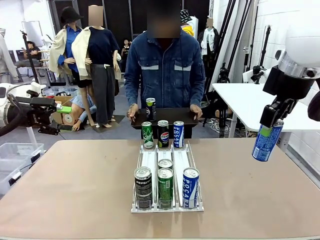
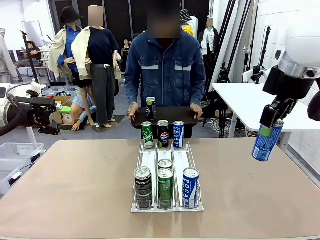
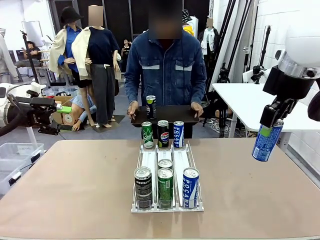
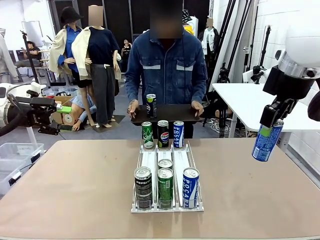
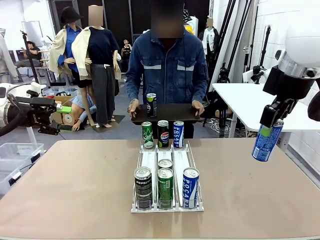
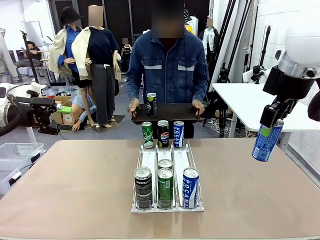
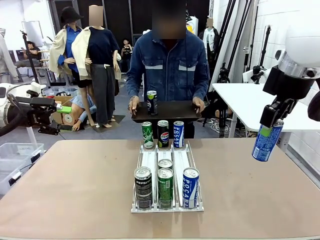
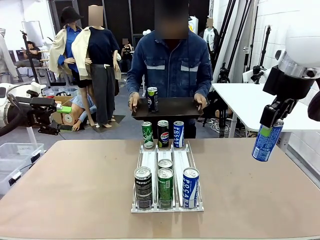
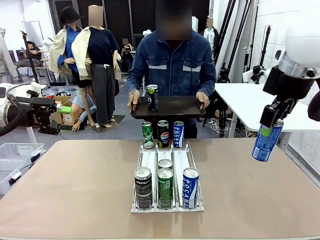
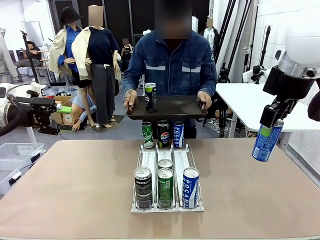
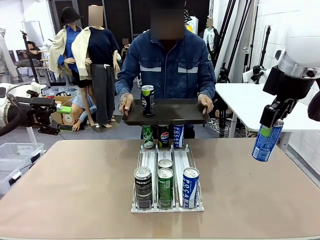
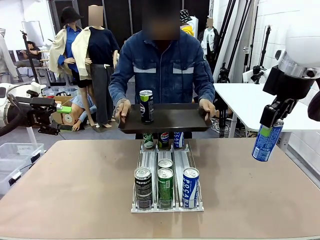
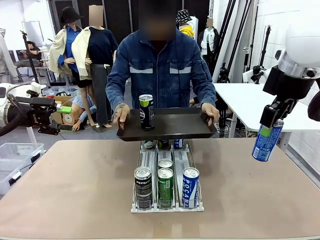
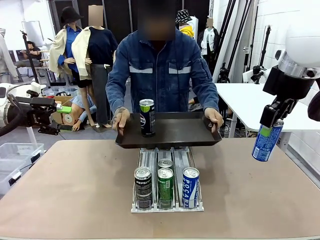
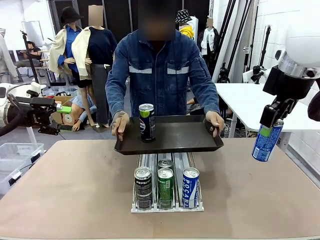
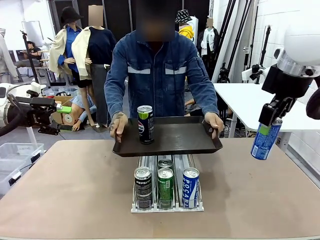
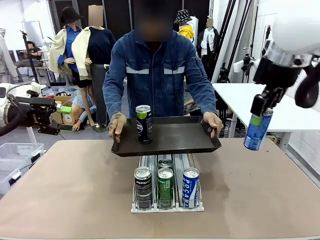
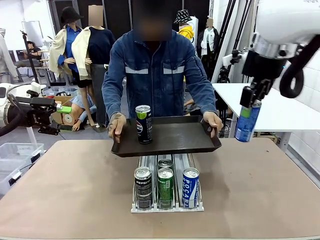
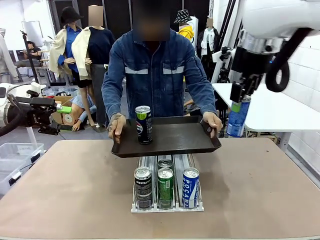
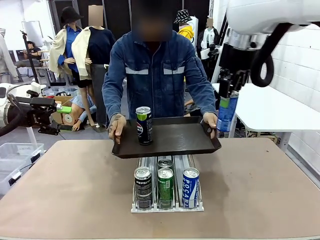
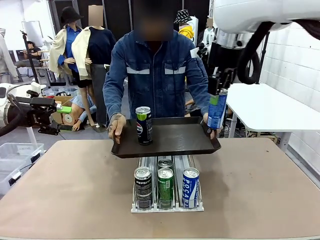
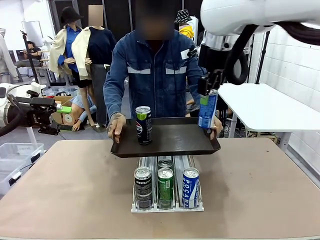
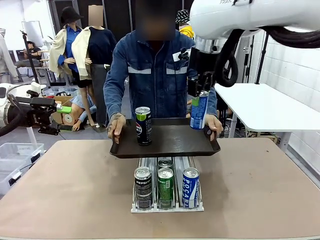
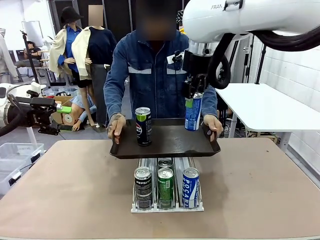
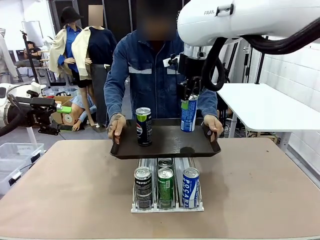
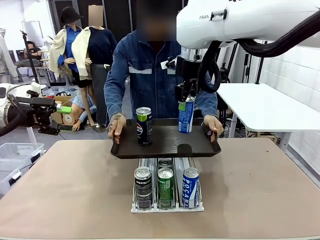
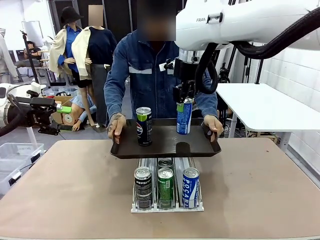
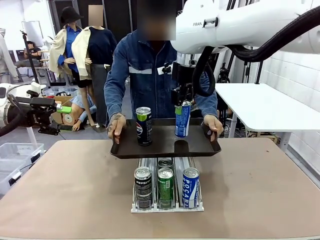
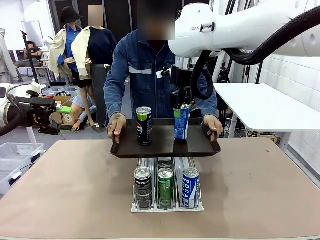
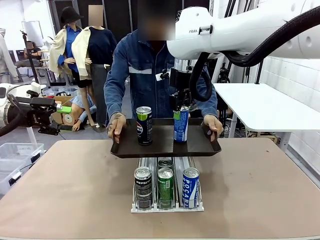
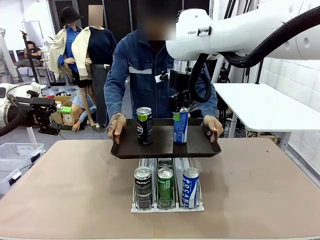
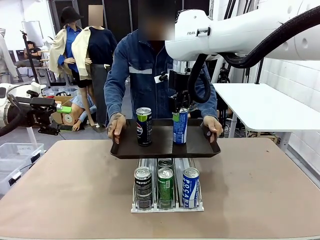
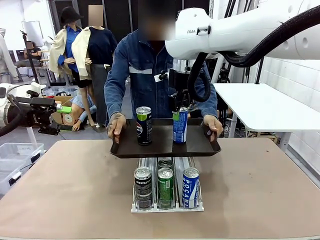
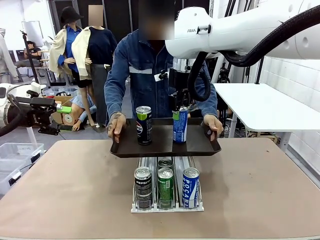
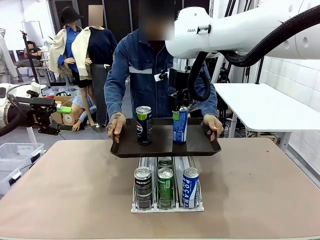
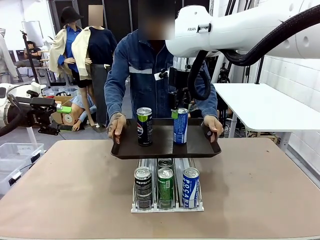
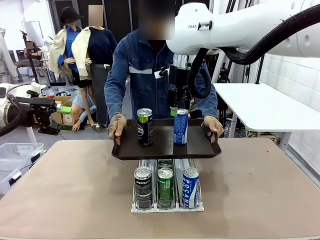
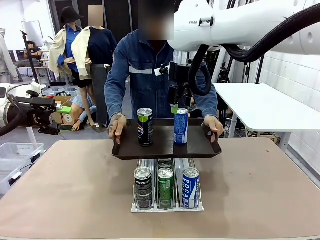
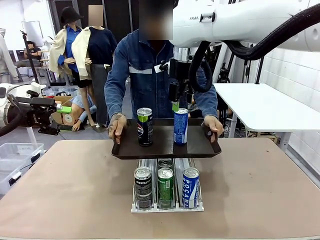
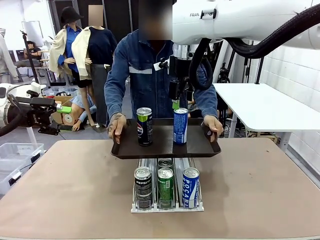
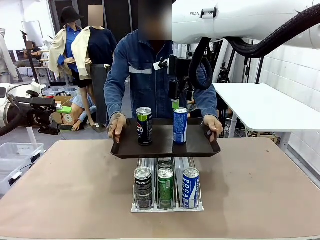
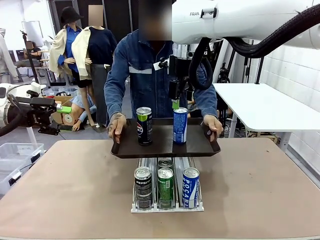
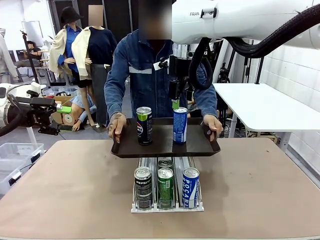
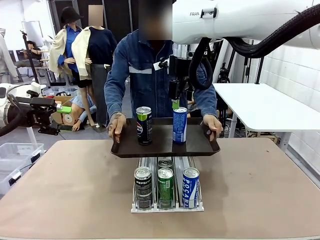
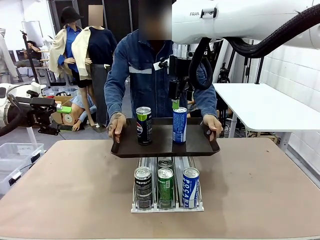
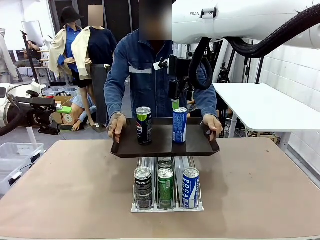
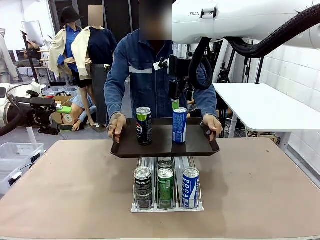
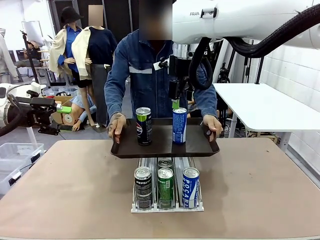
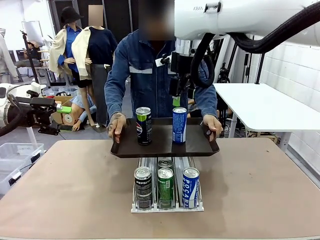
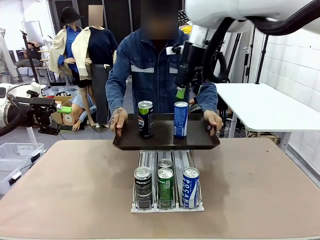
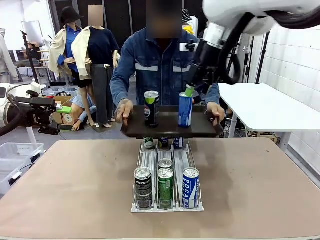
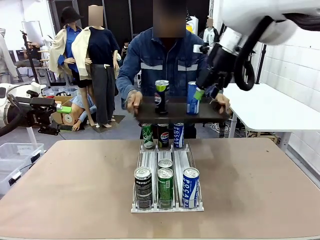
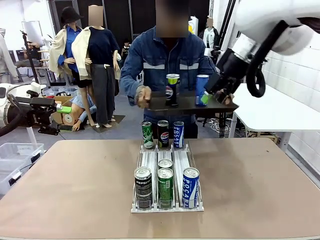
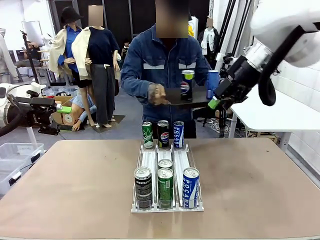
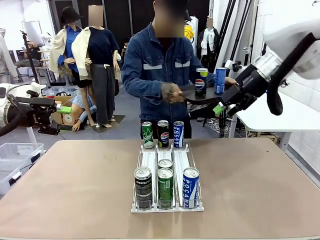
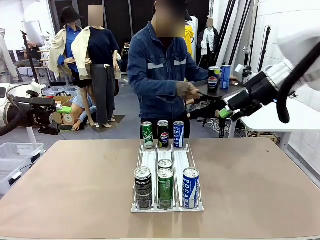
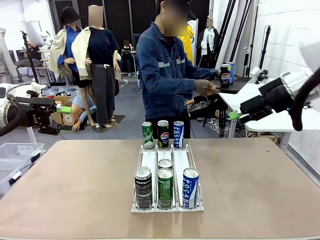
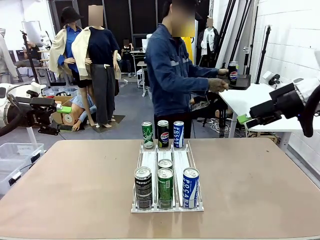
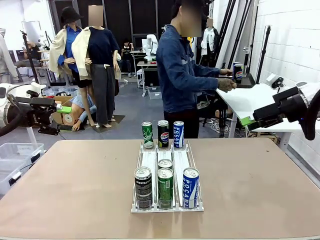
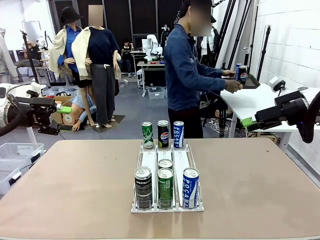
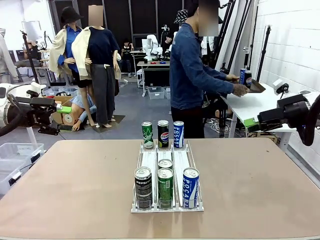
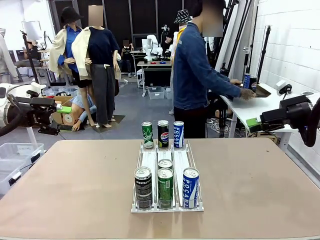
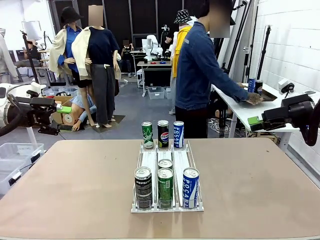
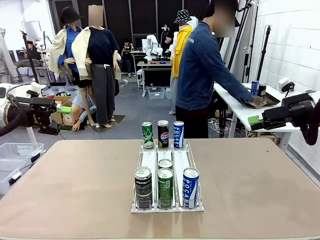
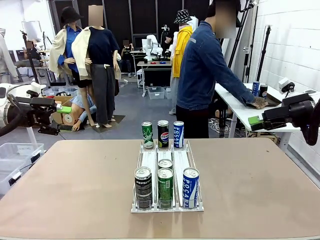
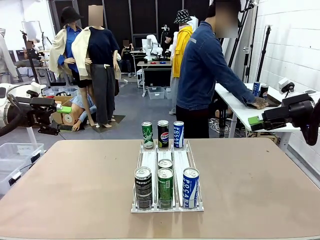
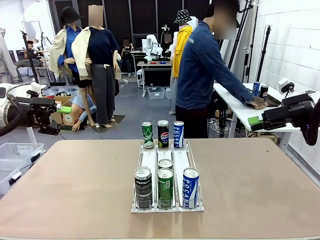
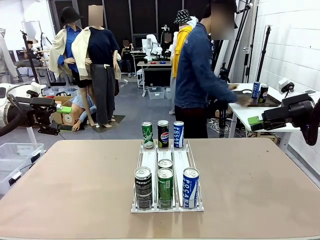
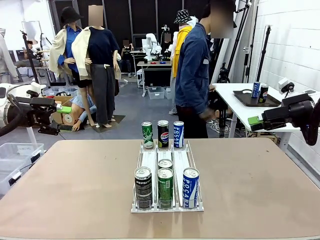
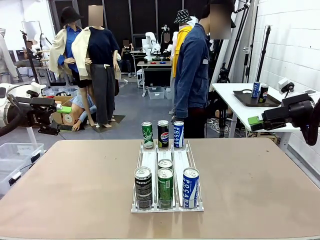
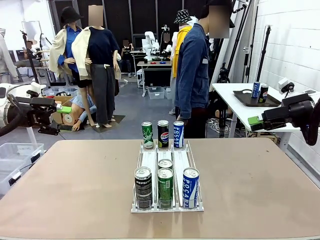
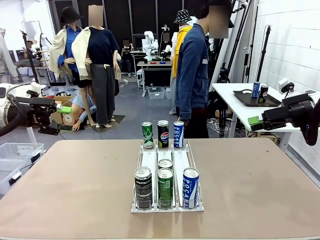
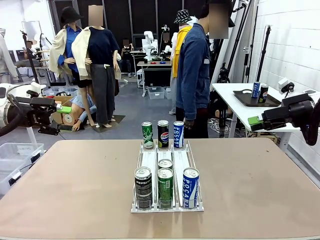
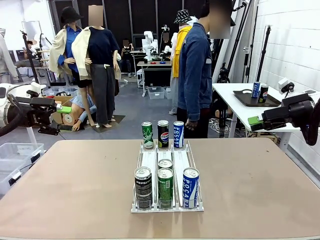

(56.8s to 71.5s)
Task: Retrieve and hand over the desired beverage to the person.
Robot: Place the picked can on the Handle tray extended by the person.
Person: Pull the tray back and place it at the center of the human table.

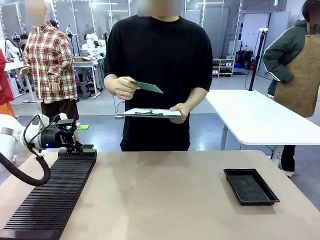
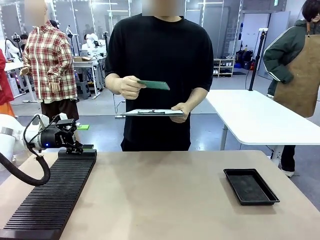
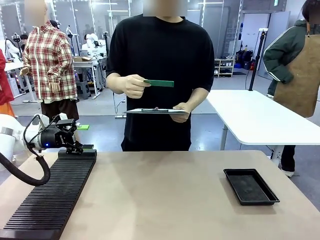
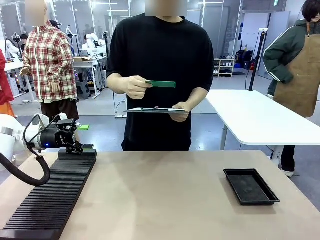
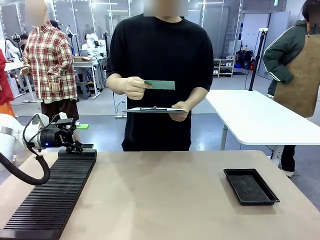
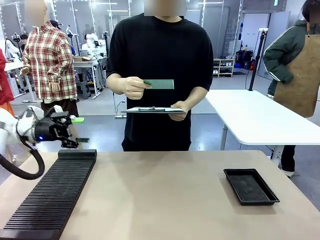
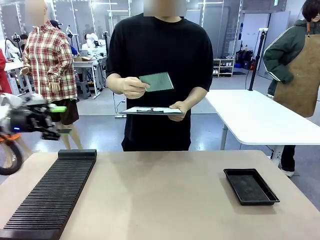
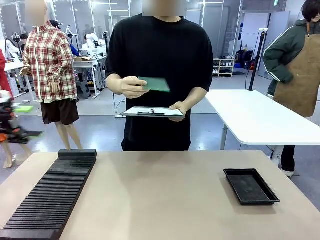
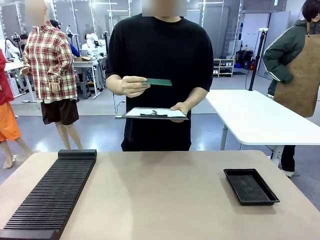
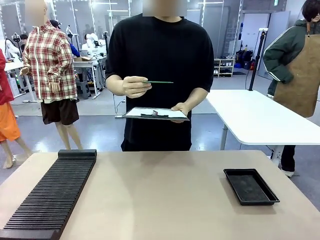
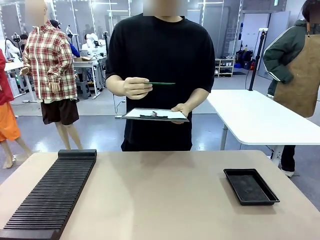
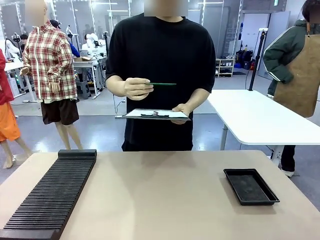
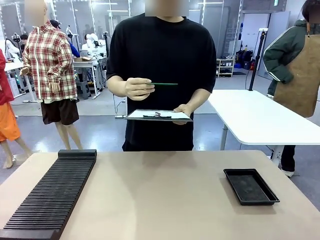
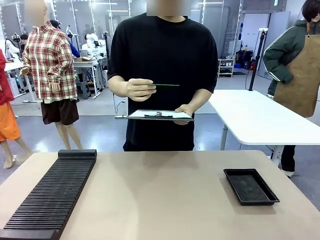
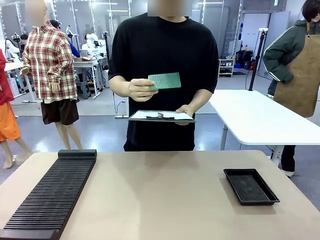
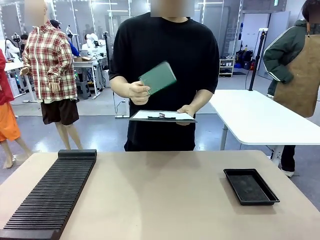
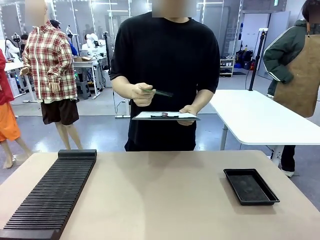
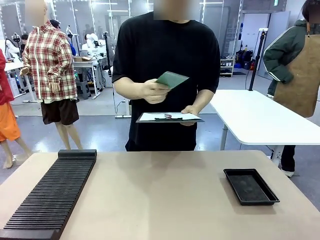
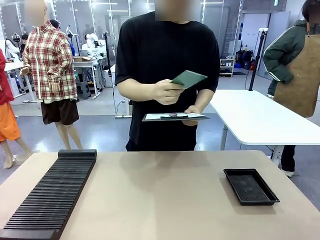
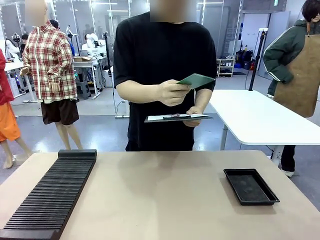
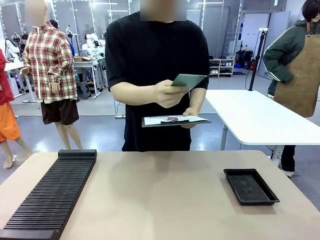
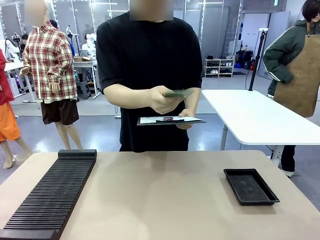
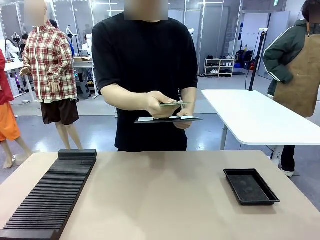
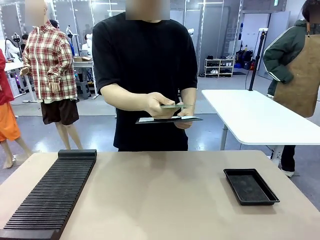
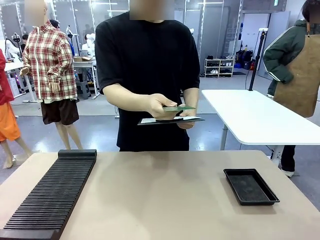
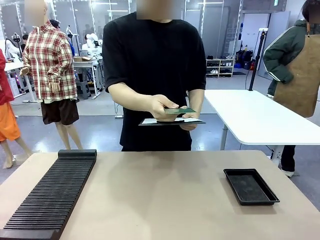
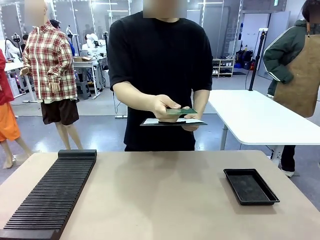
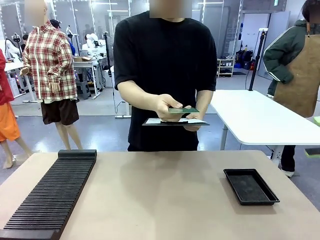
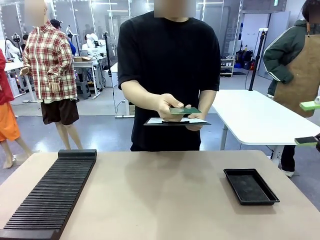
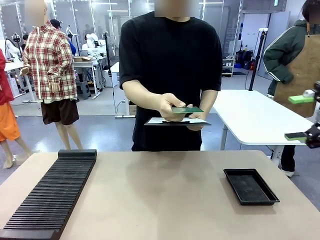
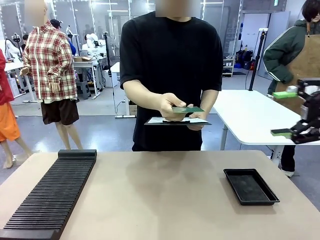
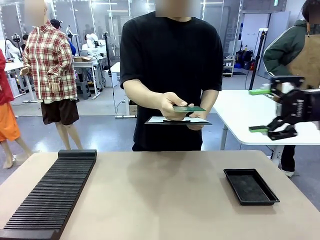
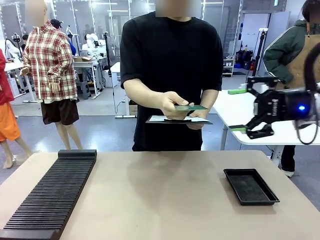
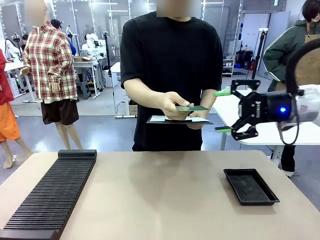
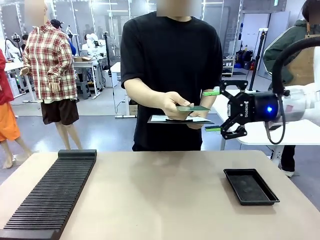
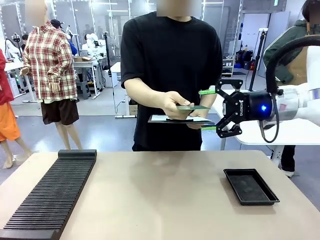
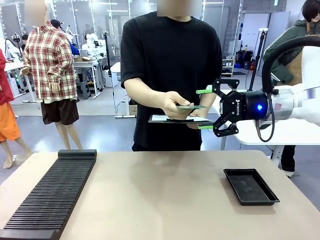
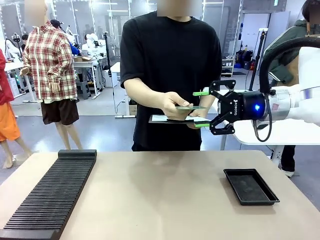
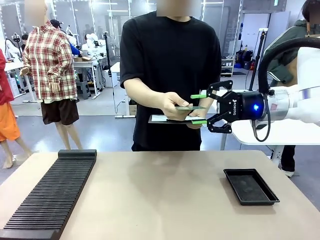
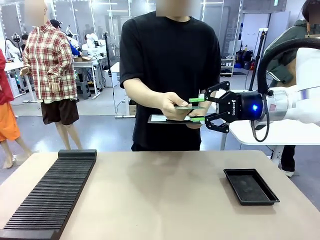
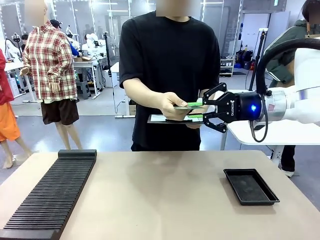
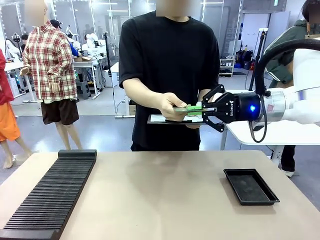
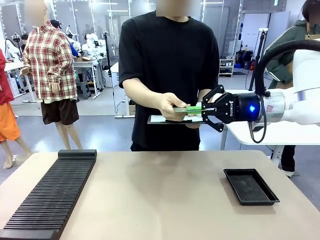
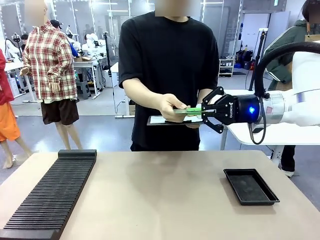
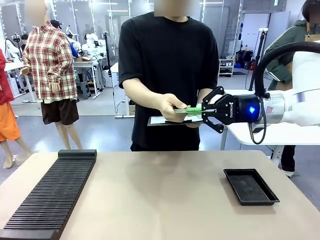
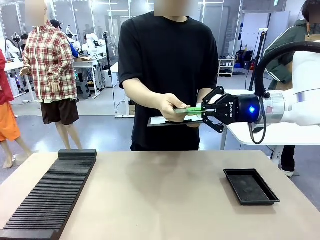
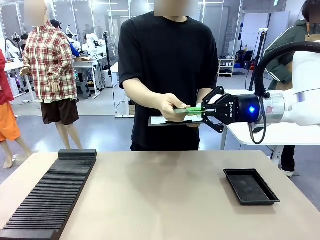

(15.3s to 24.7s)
Task: Inspect the PCB.
Robot: Pick up the Blank PCB that the human is holding.
Person: Inspect the PCB placed by the robot, then hold it out in front of the robot. Release the PCB you were holding.
